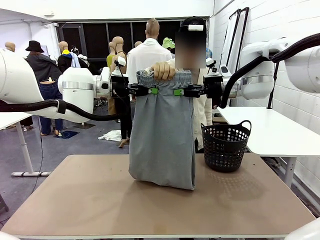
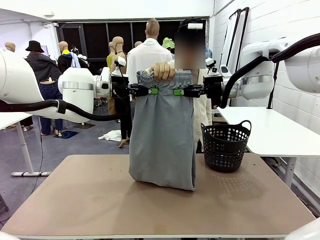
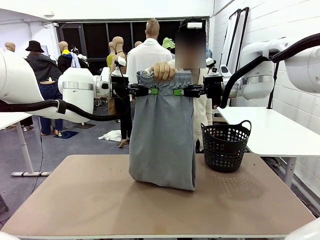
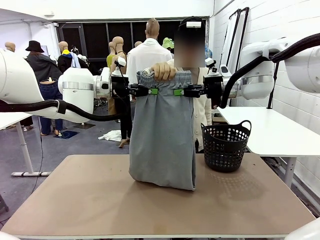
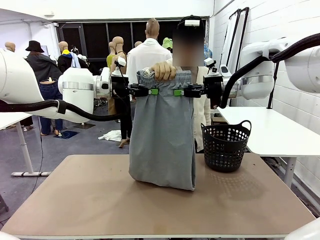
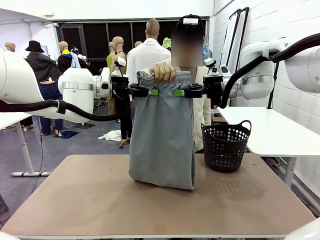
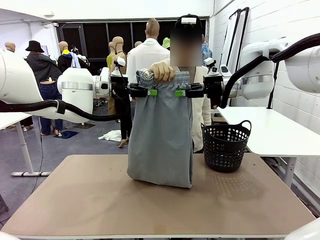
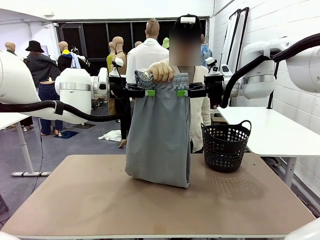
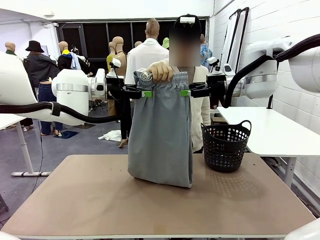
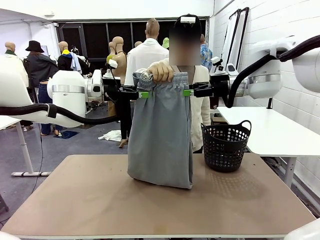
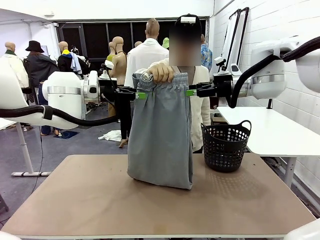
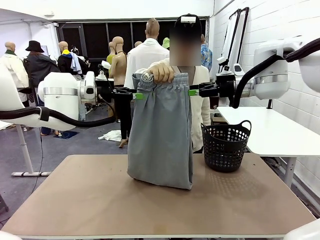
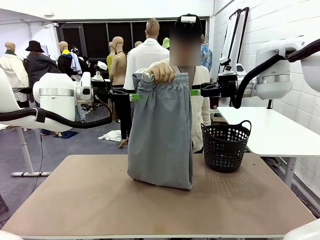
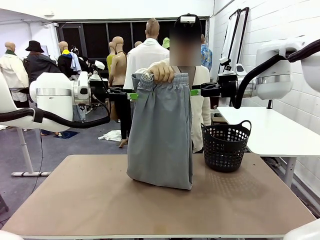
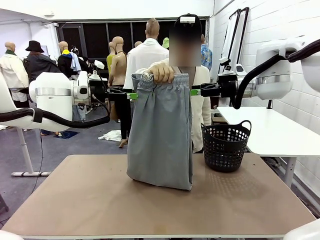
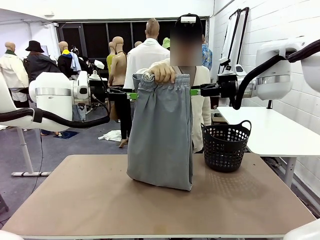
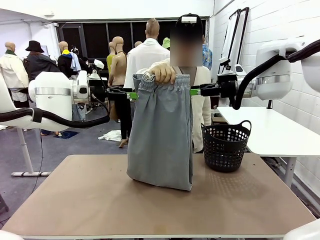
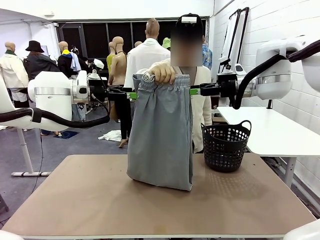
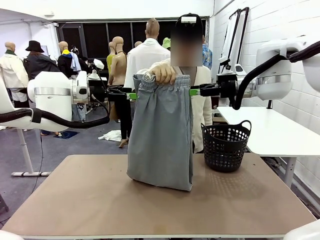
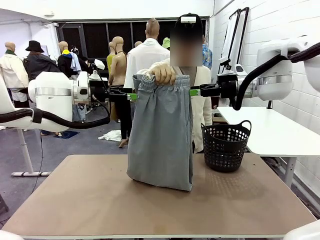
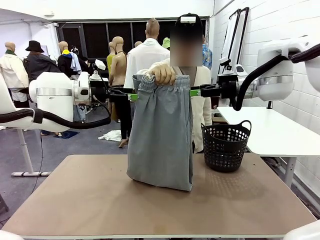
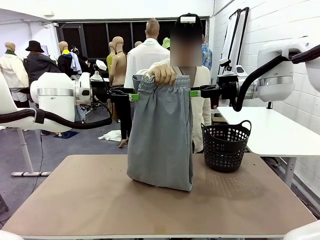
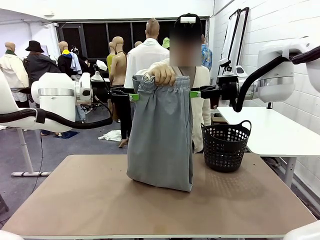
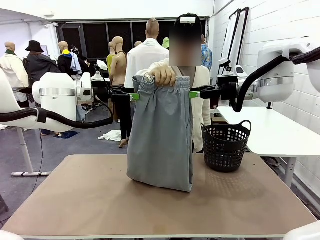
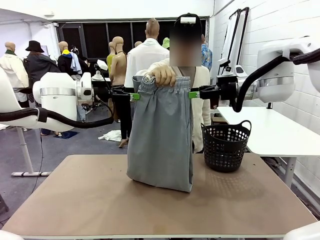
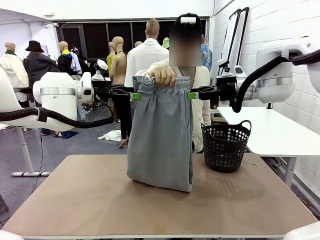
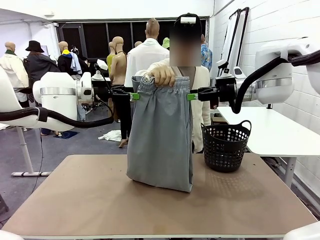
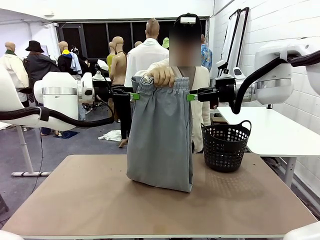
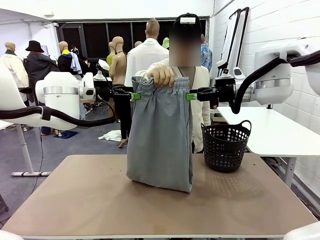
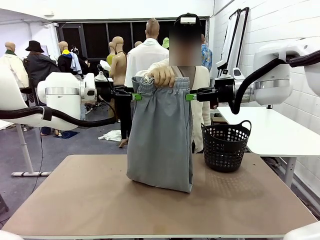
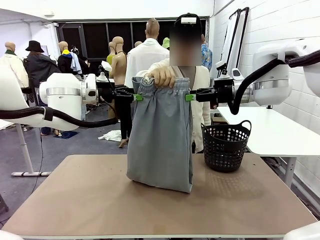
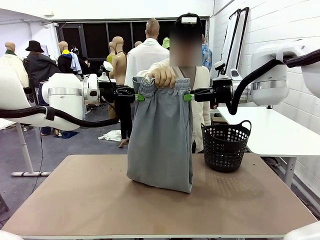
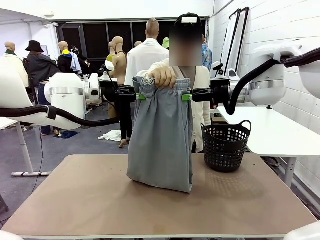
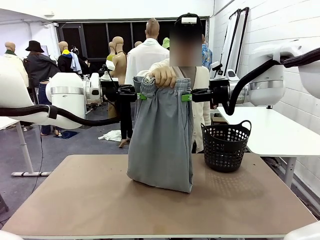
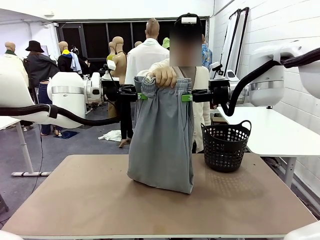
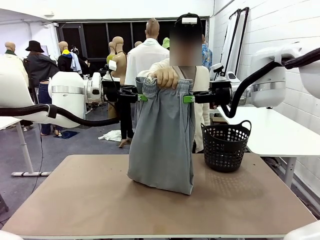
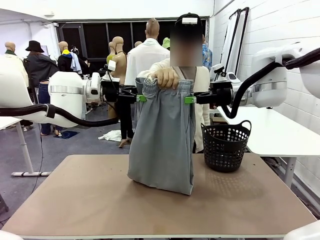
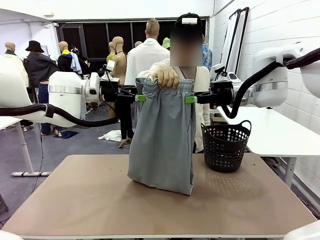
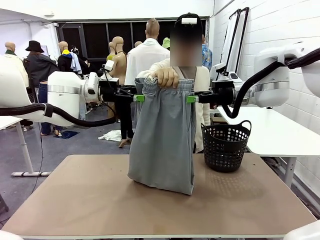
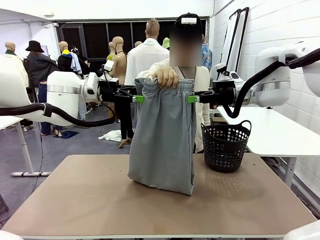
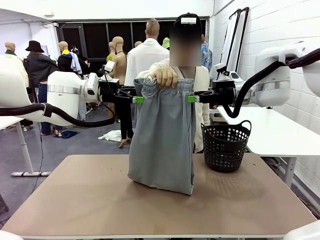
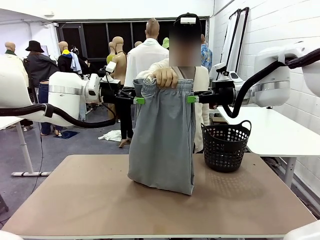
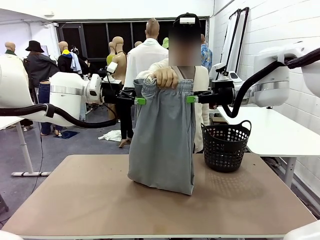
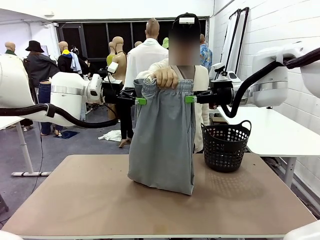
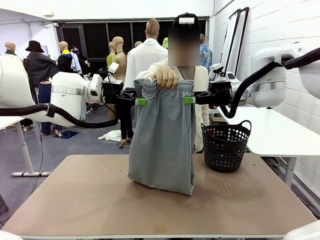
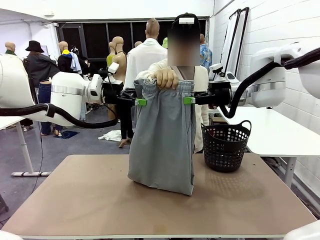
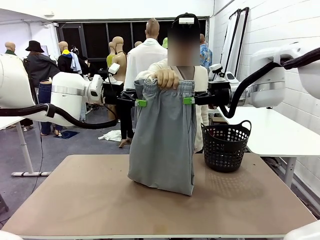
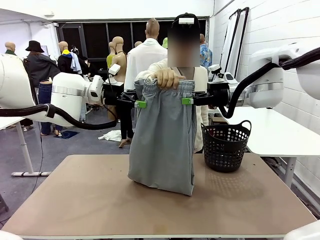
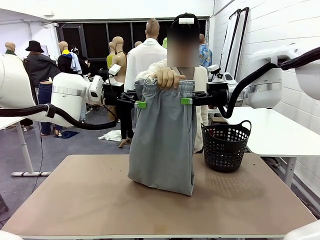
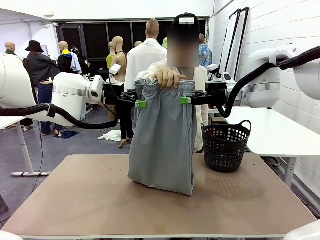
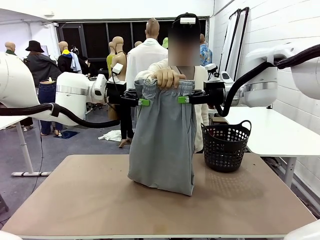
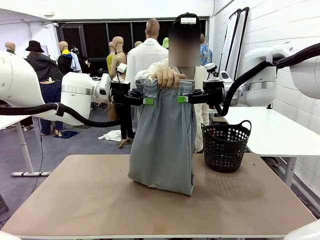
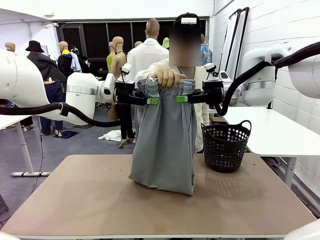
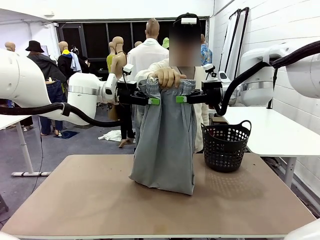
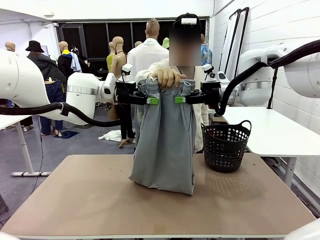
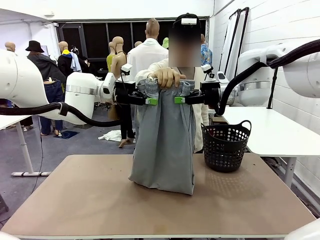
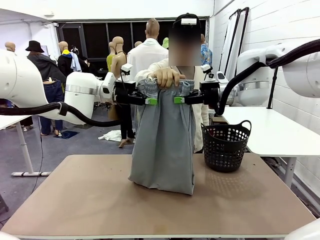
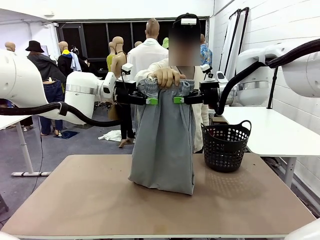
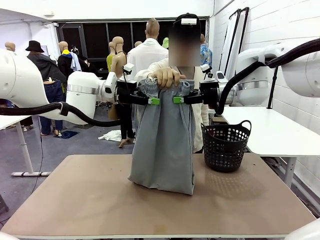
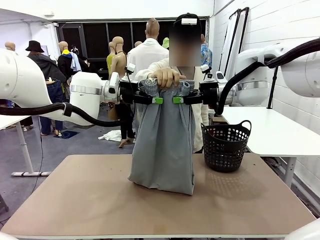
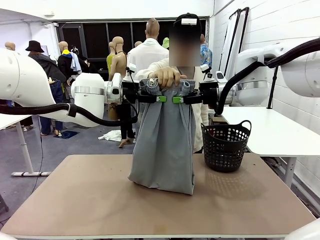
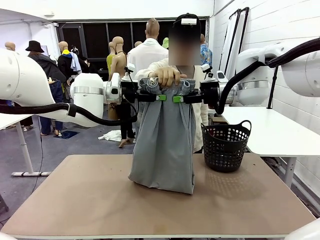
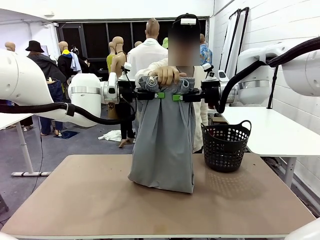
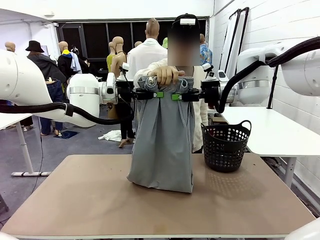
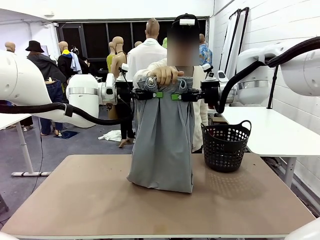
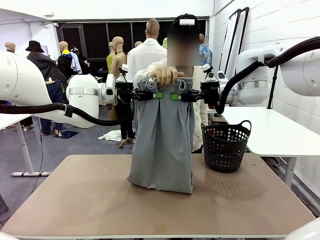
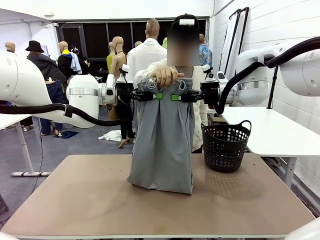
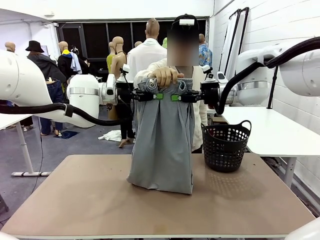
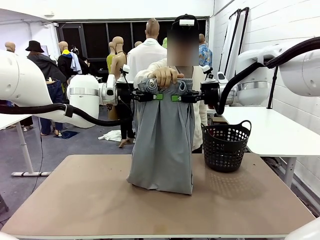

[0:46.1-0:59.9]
Task: Fold the training pants.
Robot: Release the ends of the Training pants and then grab the overlapped ends.
Person: Release the pants you were holding.
